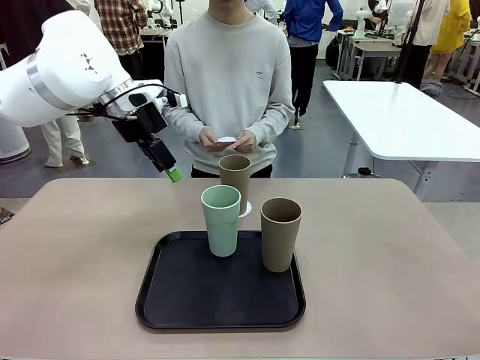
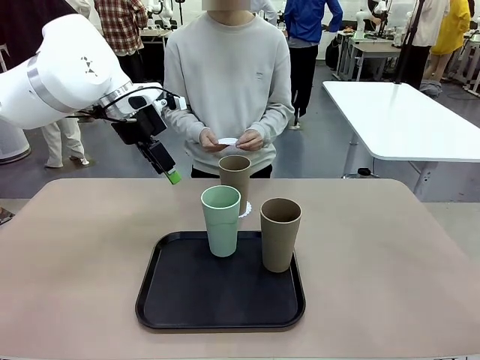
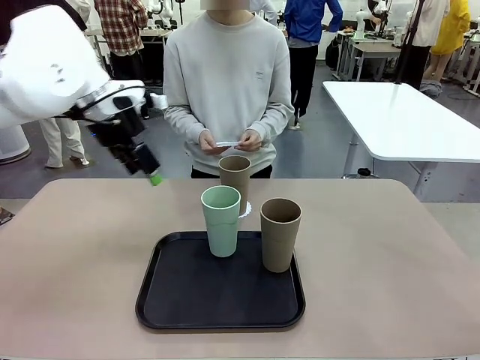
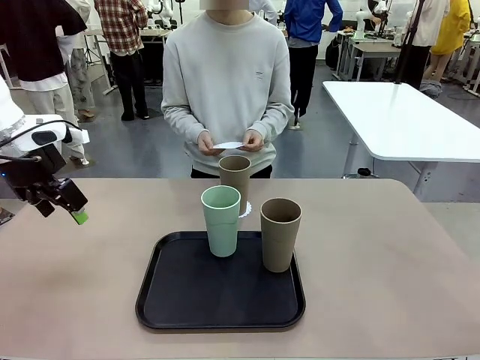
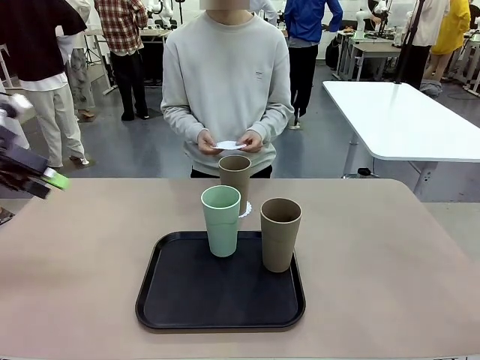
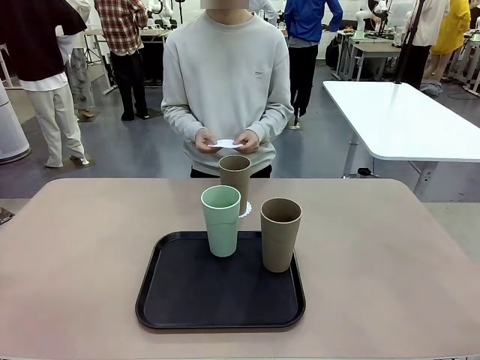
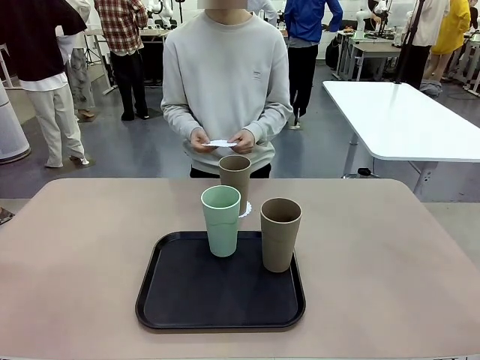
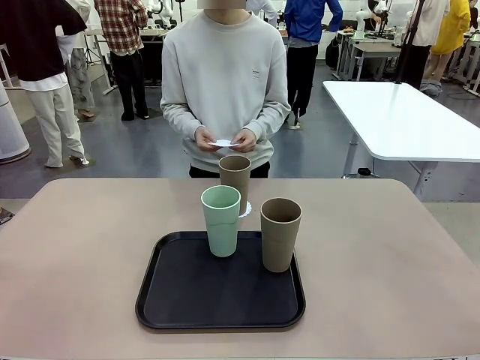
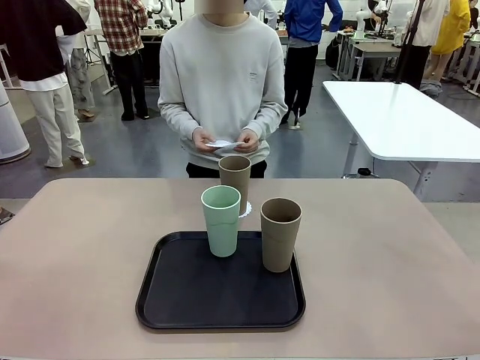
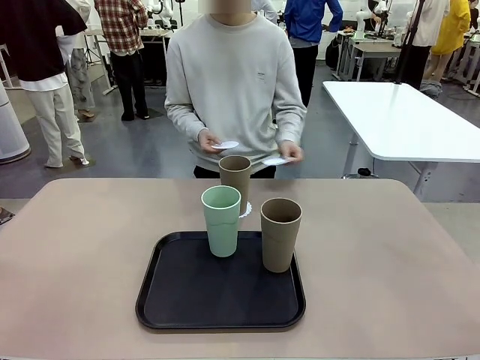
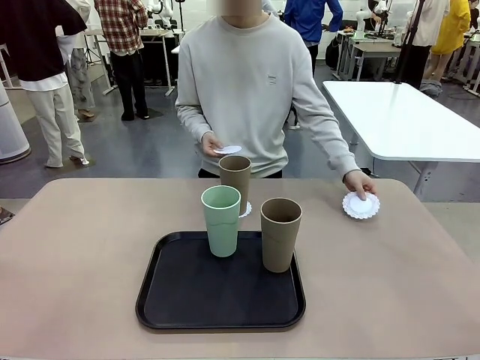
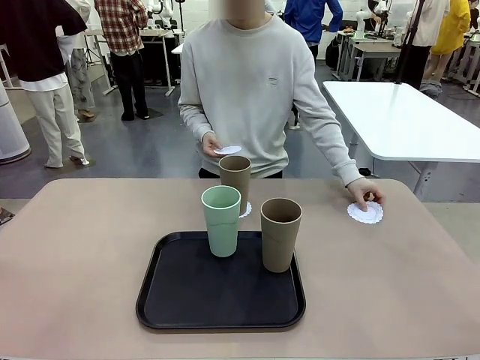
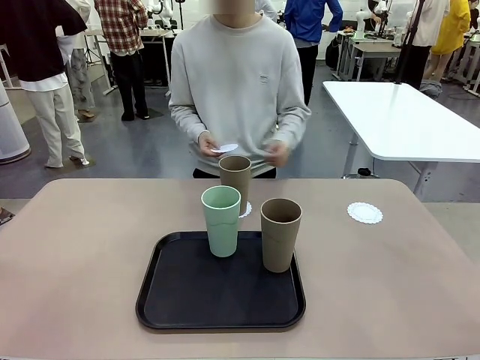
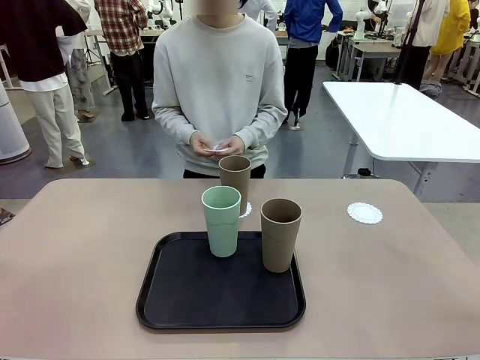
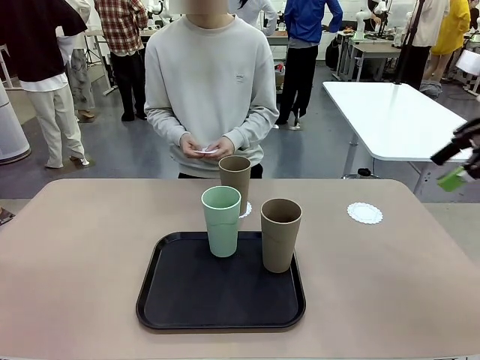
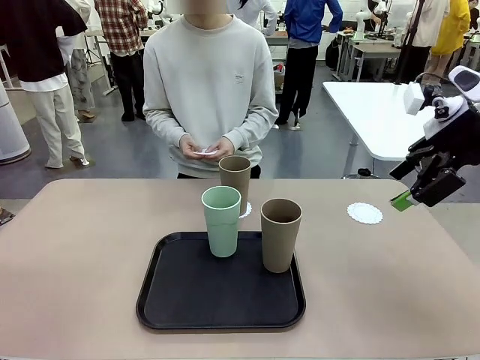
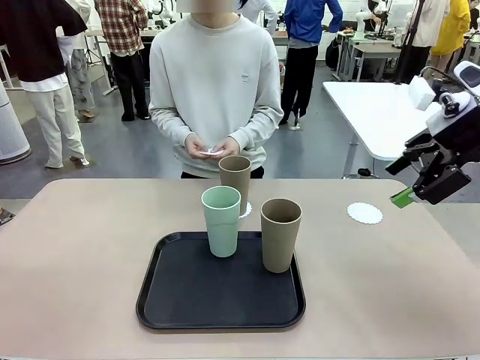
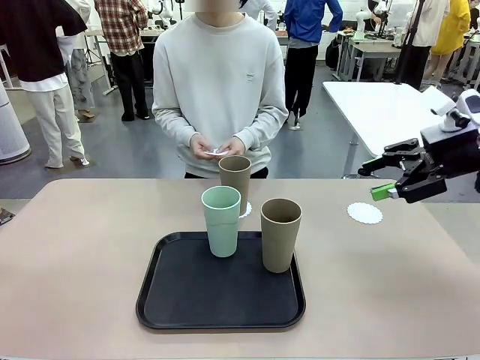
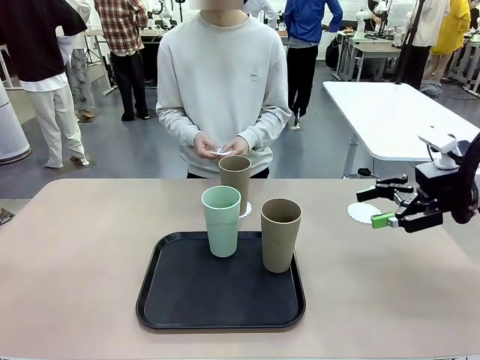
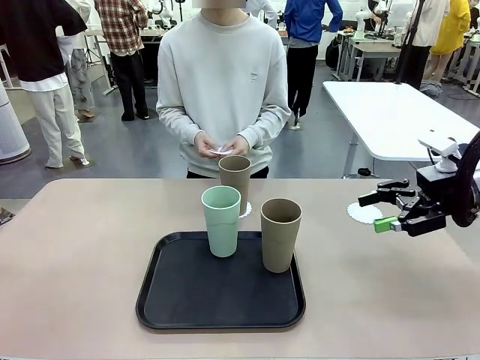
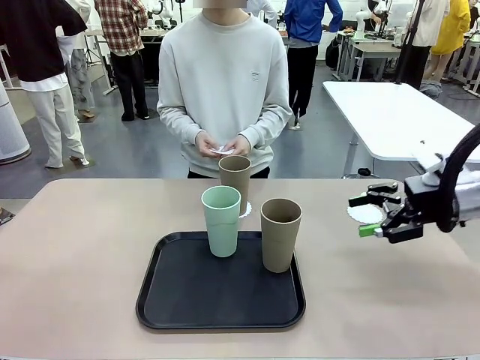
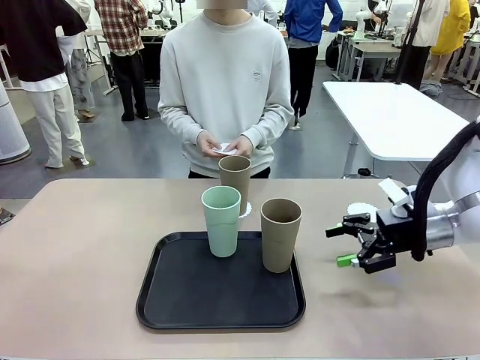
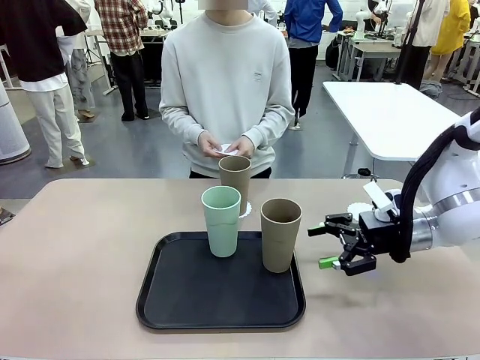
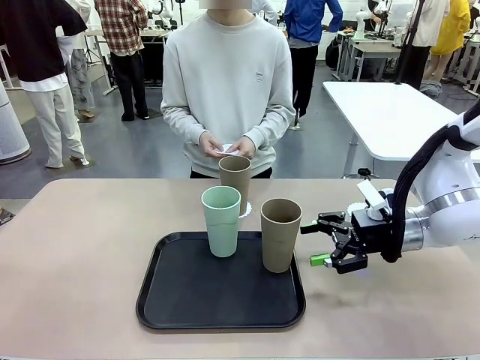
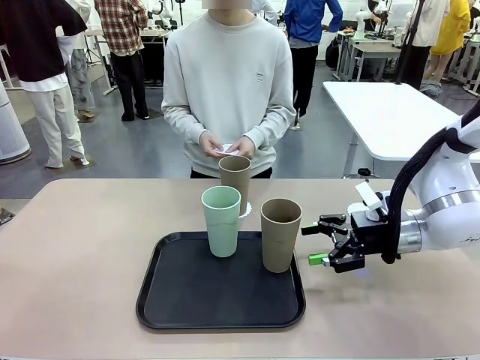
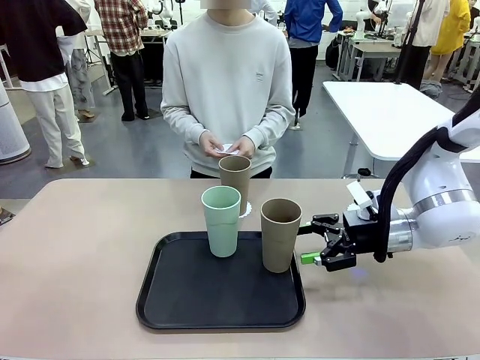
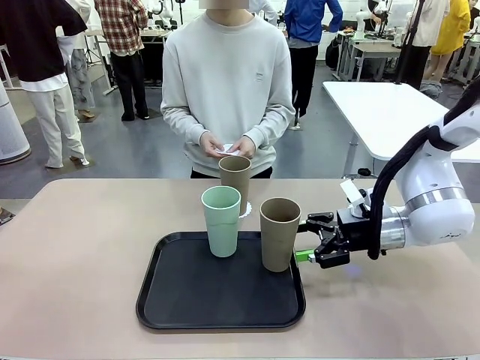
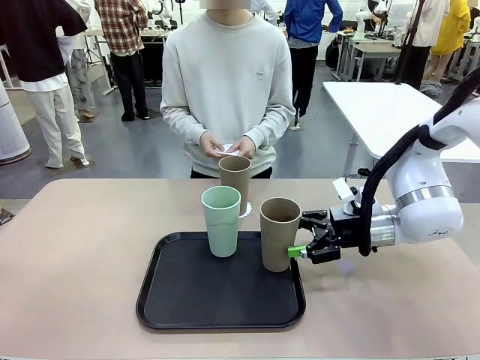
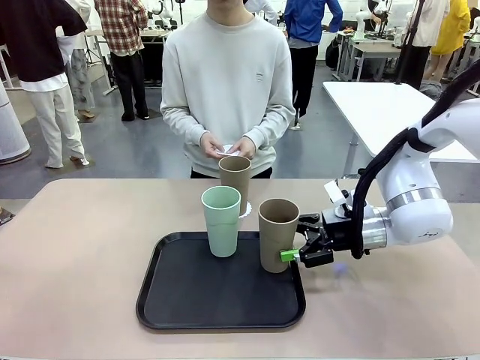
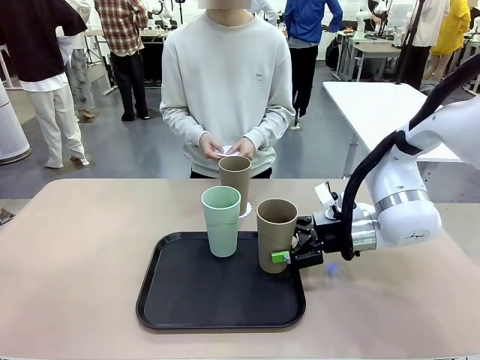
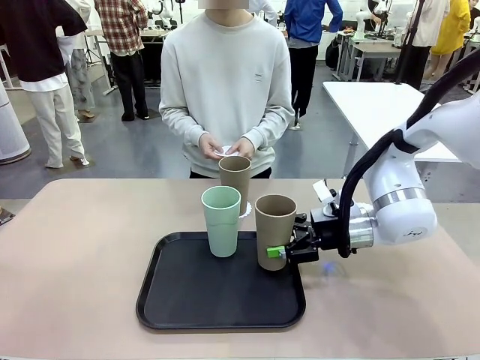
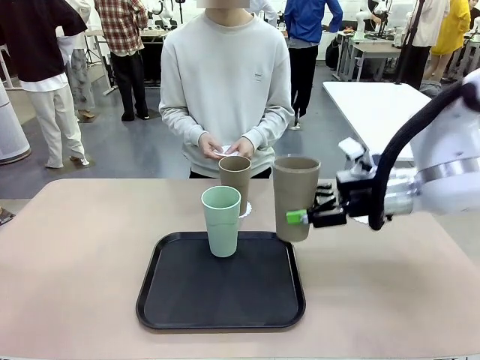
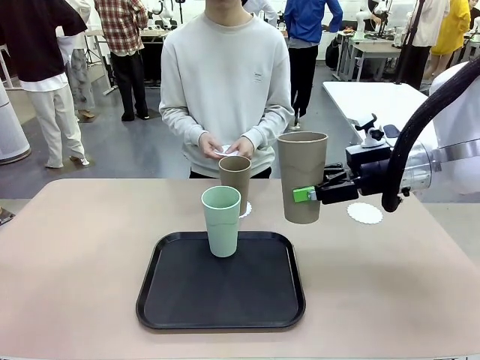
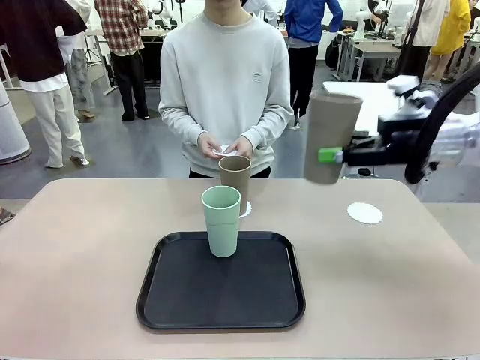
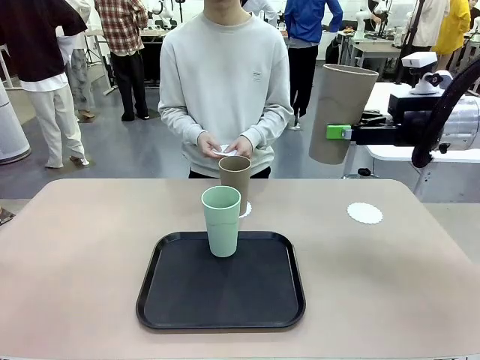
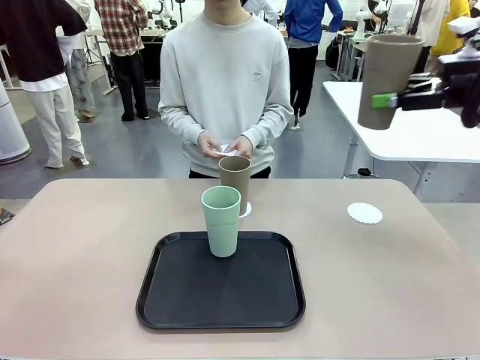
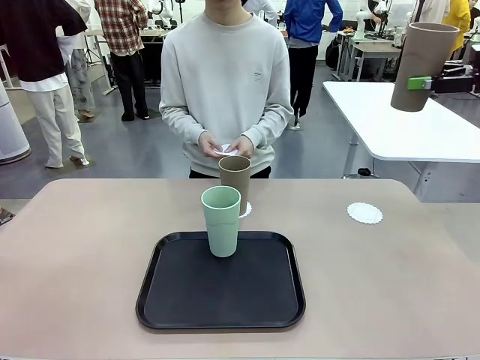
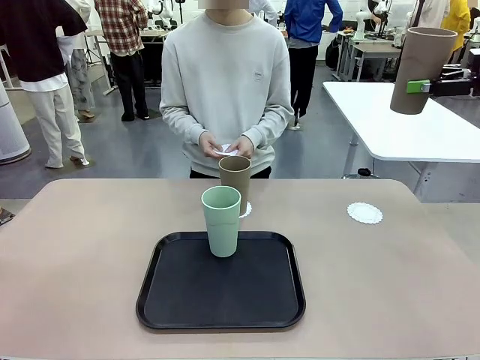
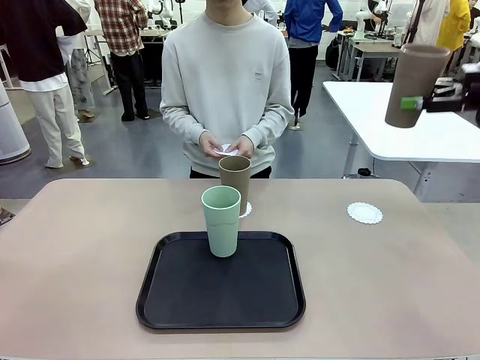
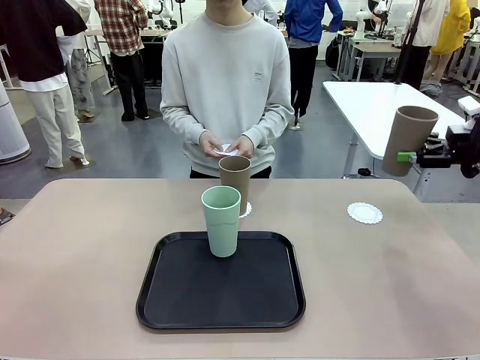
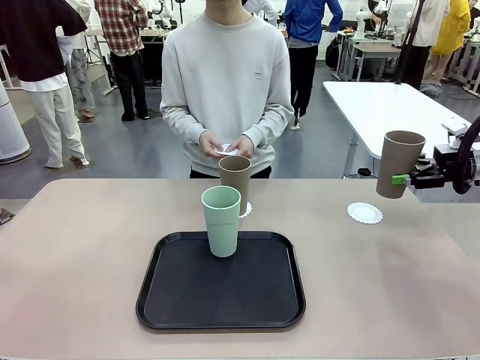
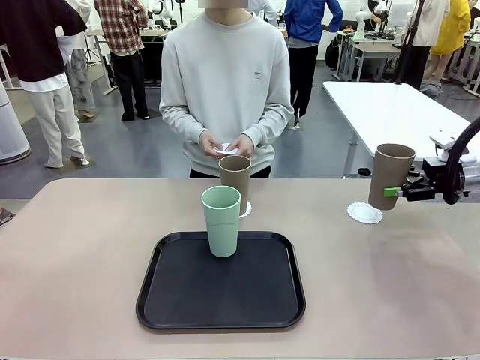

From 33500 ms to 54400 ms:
Task: Place coasters on the table and set cups on them.
Robot: Take one Reusable plastic cup from the Flat Tray and place it on a coaster set by the human.

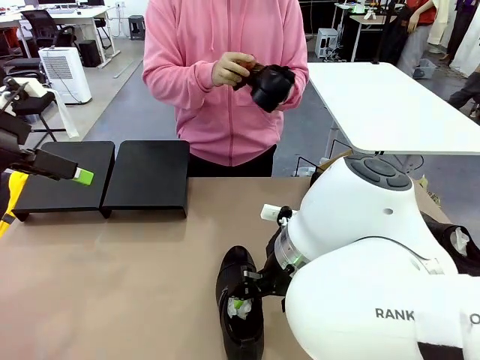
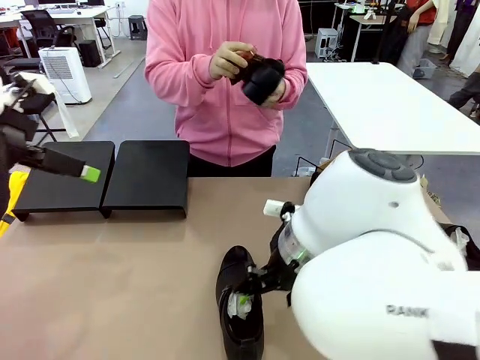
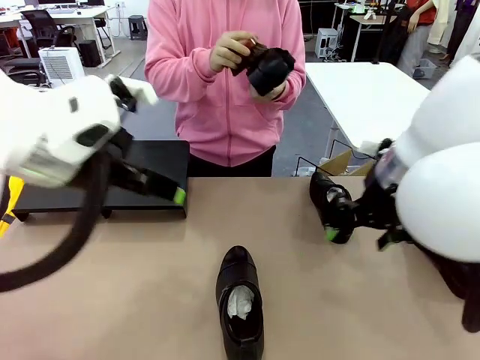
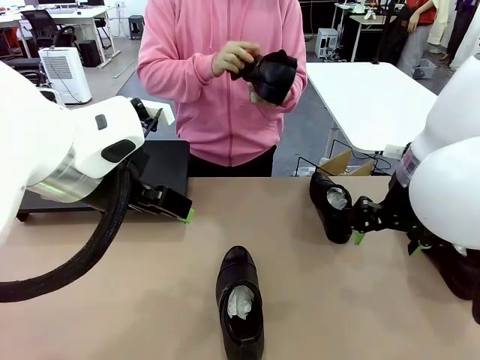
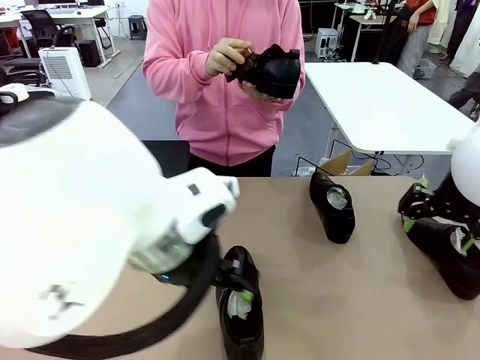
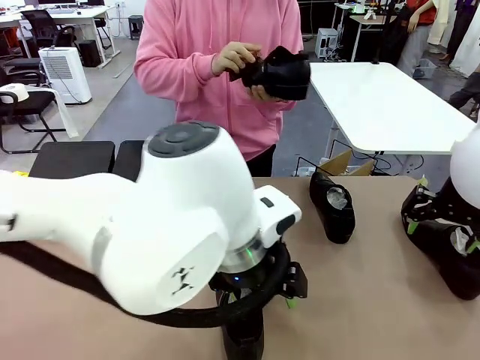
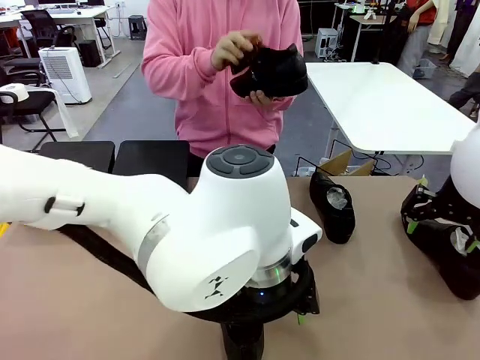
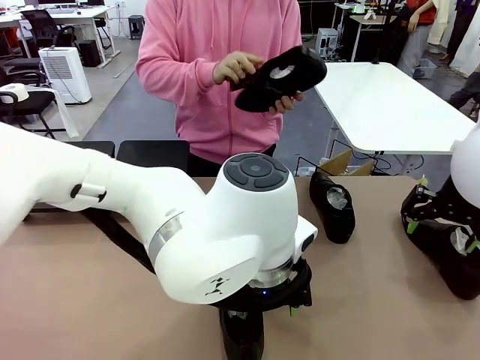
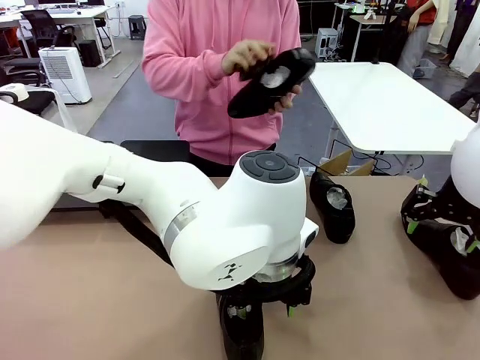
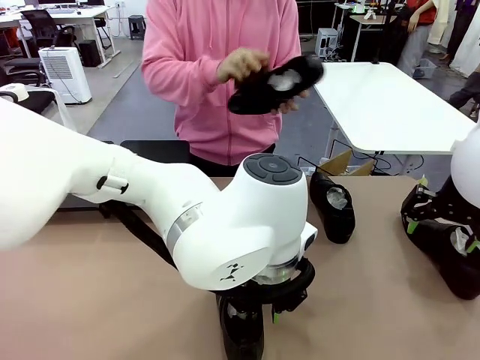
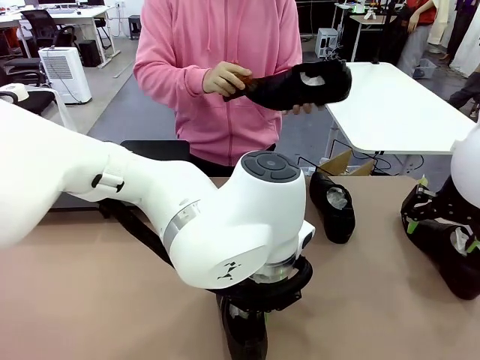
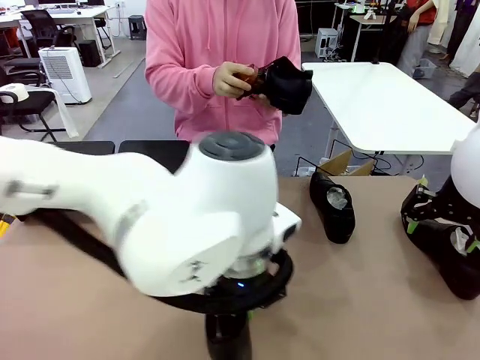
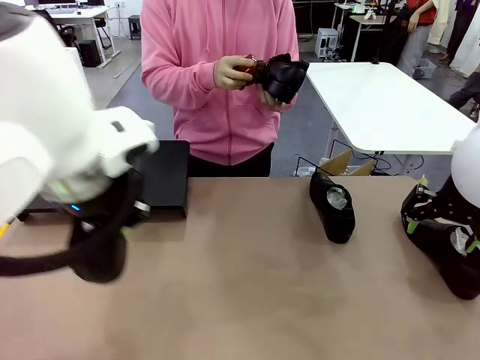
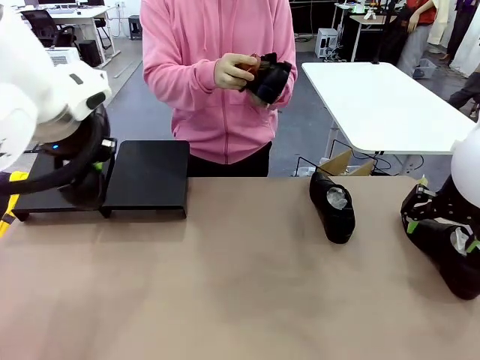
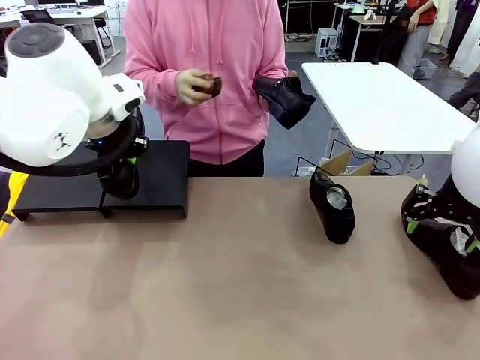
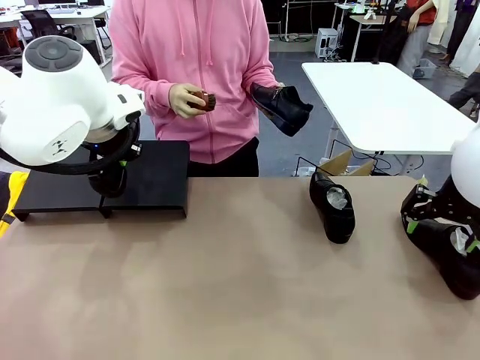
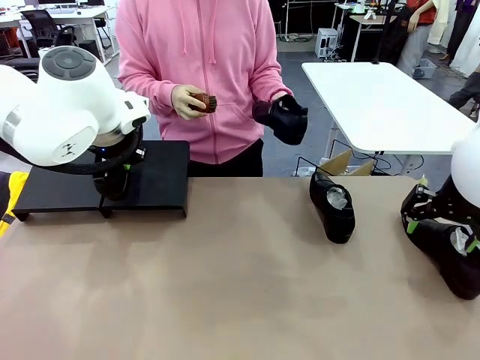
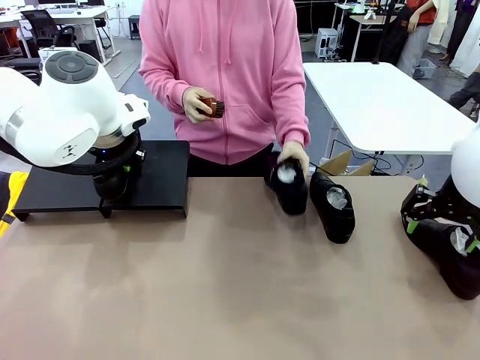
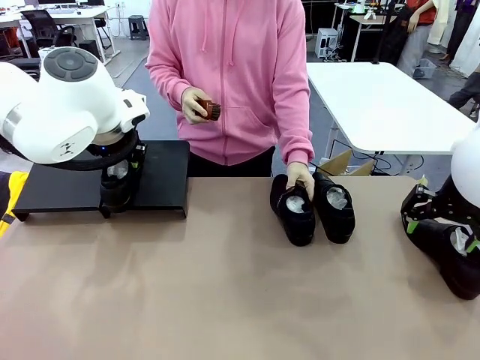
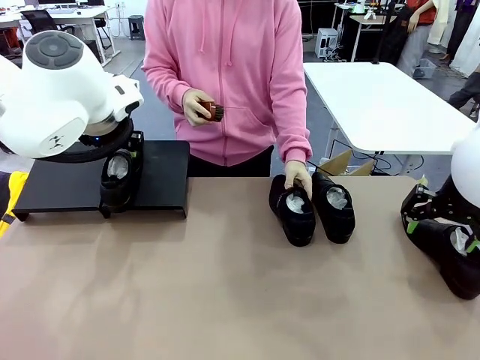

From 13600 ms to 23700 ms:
Task: Organize the shoes by placing them on the stand.
Robot: Place the Shoe from the middle of the table onto the Shoes Stand.
Person: Place the Shoe on left side of the Robot's table.
